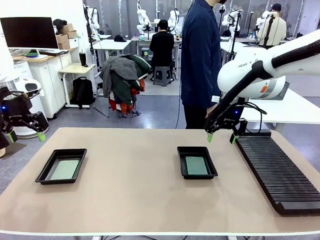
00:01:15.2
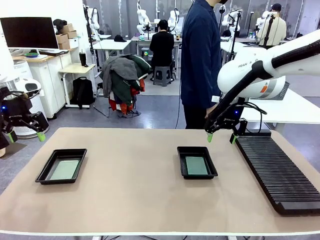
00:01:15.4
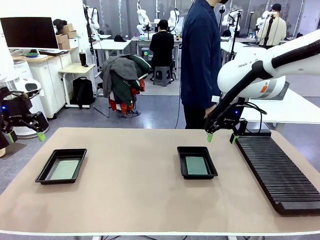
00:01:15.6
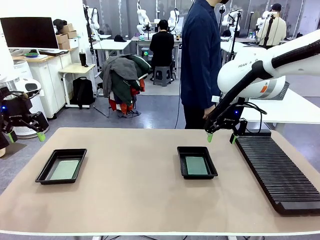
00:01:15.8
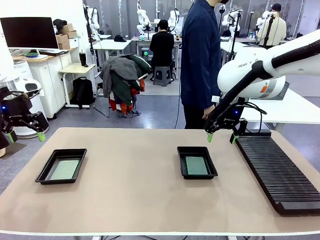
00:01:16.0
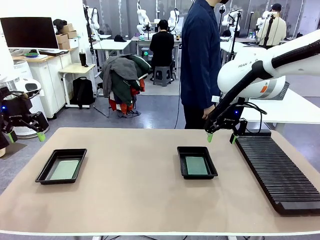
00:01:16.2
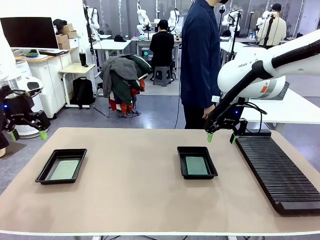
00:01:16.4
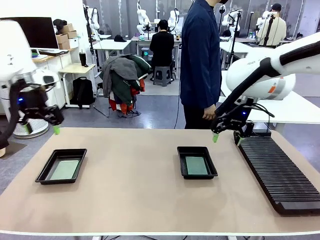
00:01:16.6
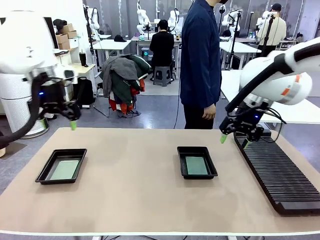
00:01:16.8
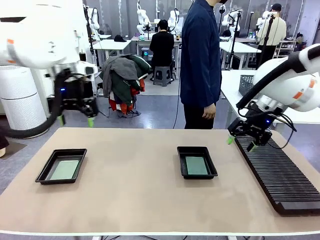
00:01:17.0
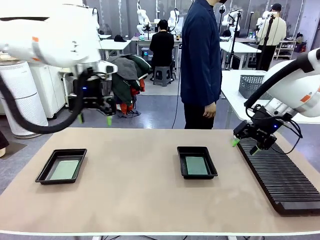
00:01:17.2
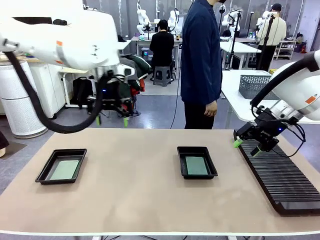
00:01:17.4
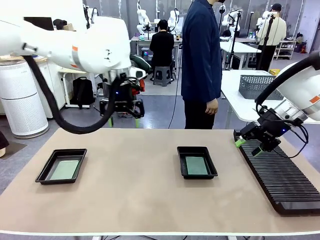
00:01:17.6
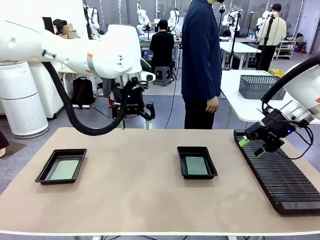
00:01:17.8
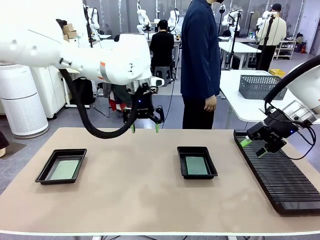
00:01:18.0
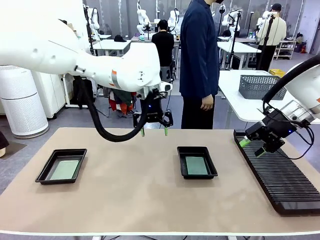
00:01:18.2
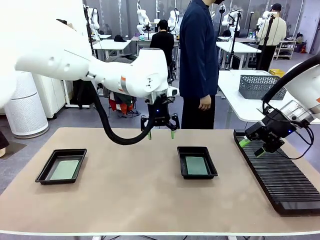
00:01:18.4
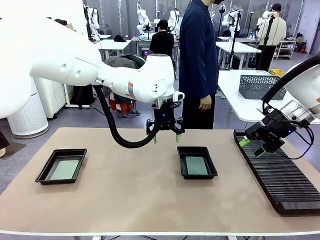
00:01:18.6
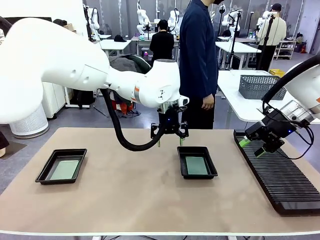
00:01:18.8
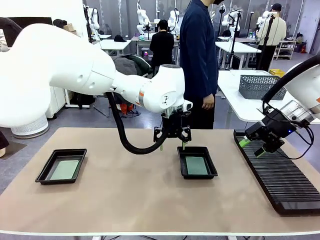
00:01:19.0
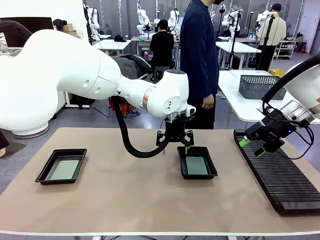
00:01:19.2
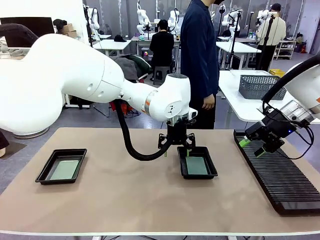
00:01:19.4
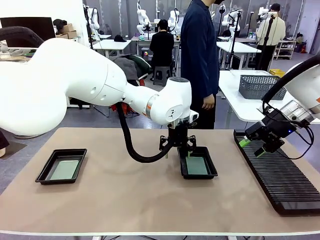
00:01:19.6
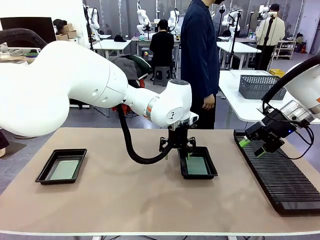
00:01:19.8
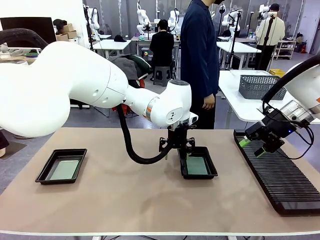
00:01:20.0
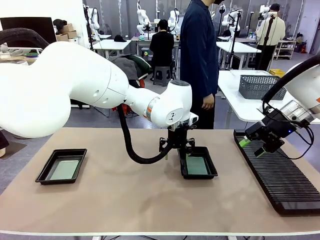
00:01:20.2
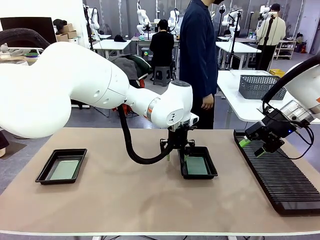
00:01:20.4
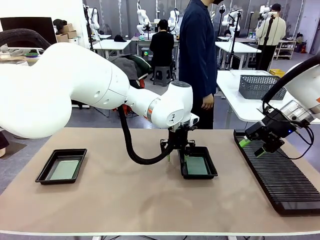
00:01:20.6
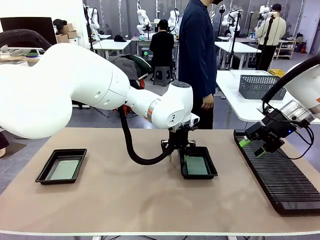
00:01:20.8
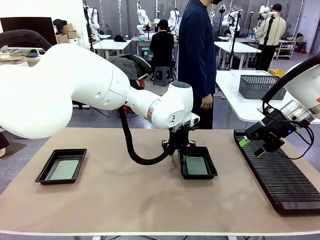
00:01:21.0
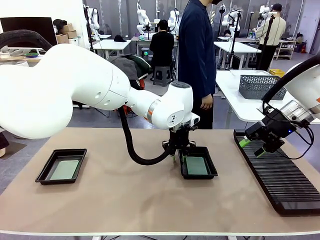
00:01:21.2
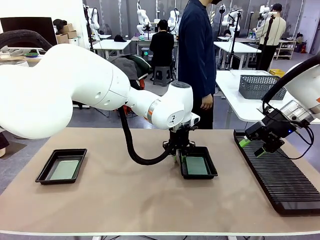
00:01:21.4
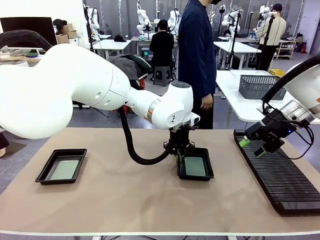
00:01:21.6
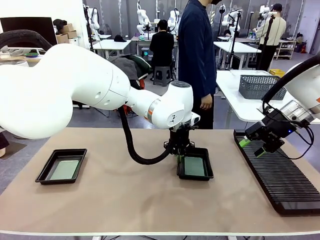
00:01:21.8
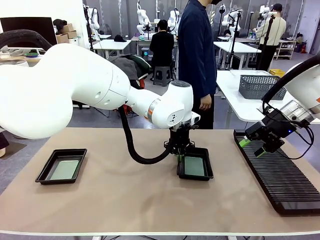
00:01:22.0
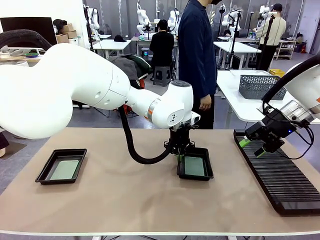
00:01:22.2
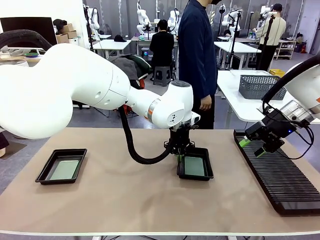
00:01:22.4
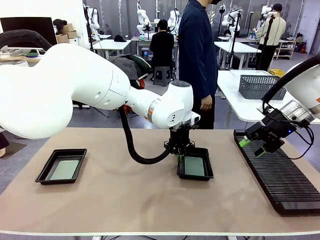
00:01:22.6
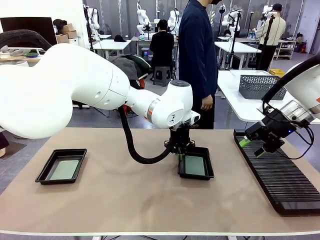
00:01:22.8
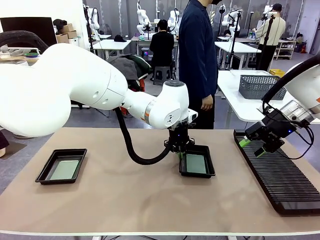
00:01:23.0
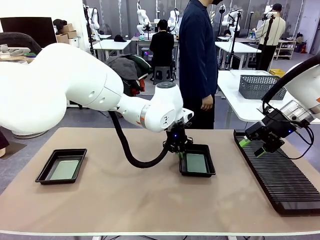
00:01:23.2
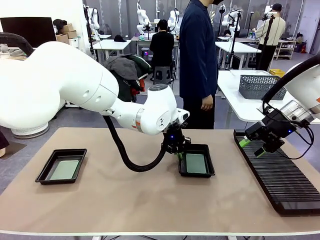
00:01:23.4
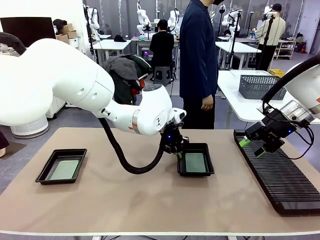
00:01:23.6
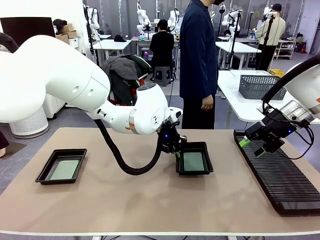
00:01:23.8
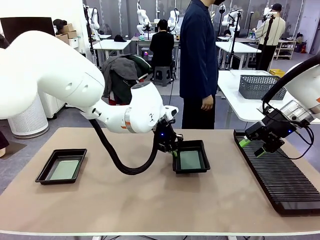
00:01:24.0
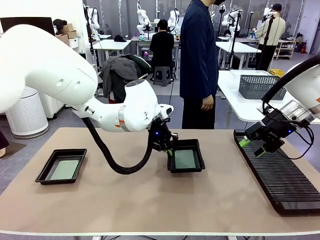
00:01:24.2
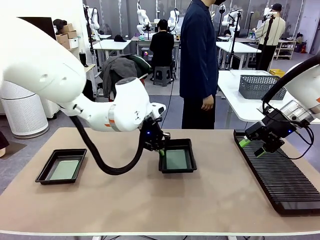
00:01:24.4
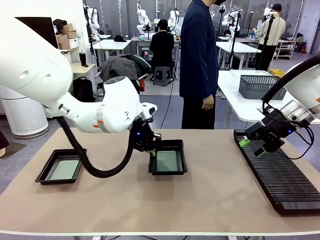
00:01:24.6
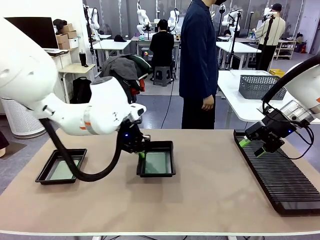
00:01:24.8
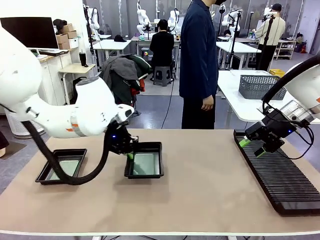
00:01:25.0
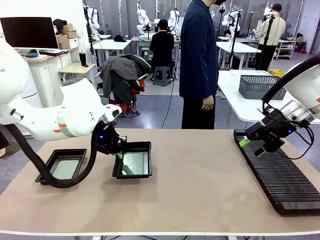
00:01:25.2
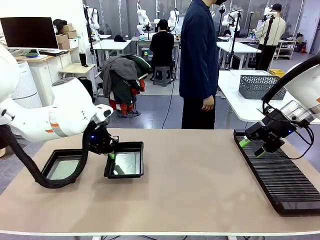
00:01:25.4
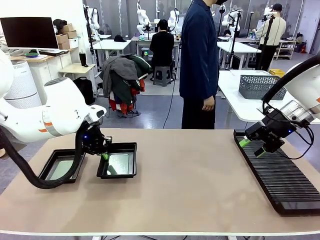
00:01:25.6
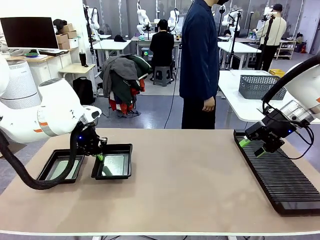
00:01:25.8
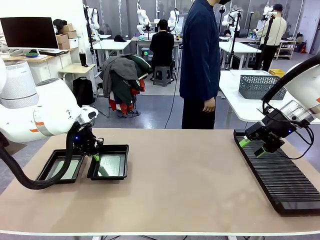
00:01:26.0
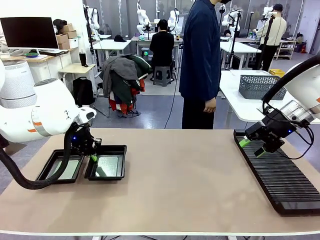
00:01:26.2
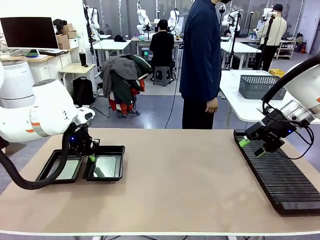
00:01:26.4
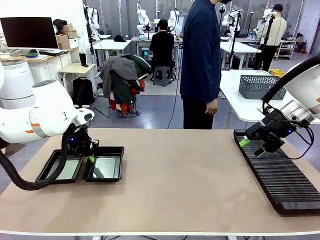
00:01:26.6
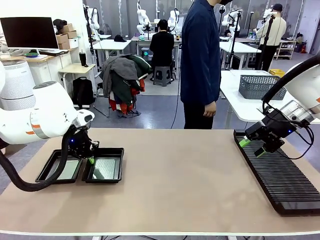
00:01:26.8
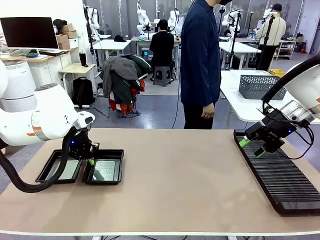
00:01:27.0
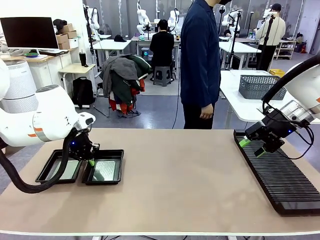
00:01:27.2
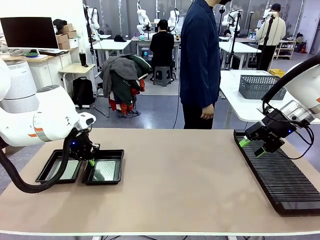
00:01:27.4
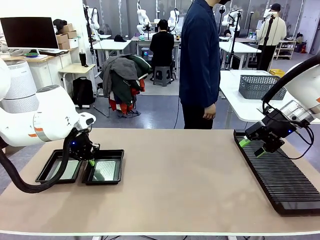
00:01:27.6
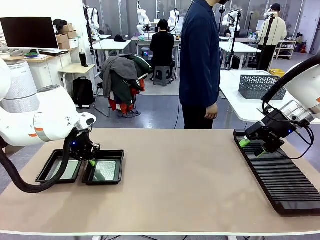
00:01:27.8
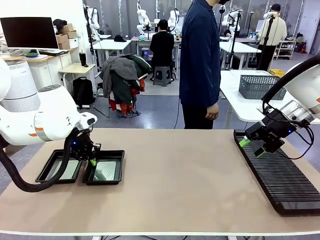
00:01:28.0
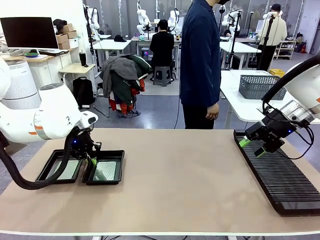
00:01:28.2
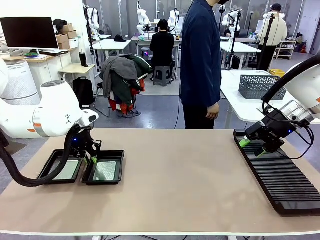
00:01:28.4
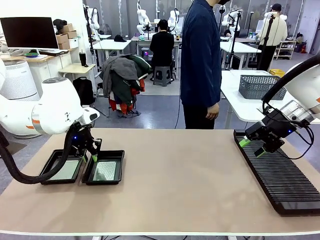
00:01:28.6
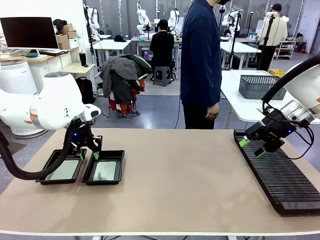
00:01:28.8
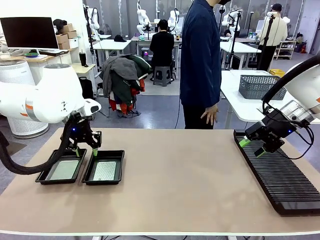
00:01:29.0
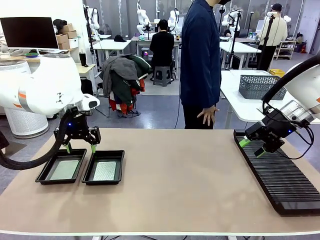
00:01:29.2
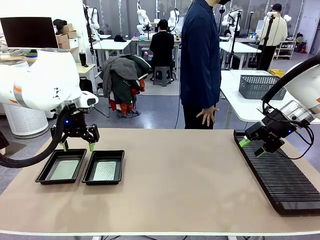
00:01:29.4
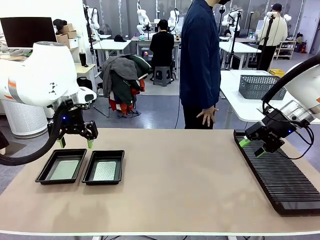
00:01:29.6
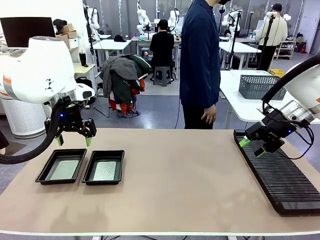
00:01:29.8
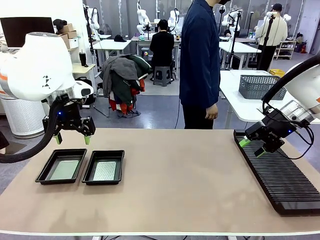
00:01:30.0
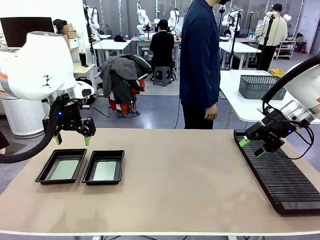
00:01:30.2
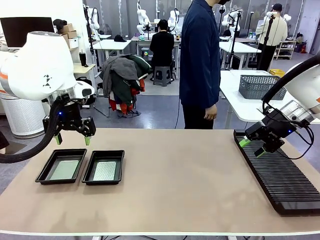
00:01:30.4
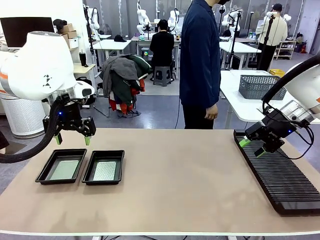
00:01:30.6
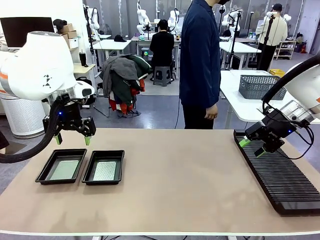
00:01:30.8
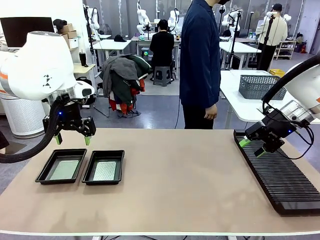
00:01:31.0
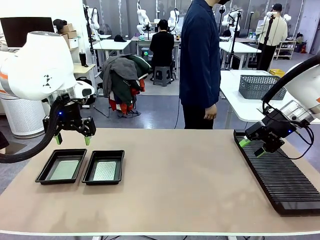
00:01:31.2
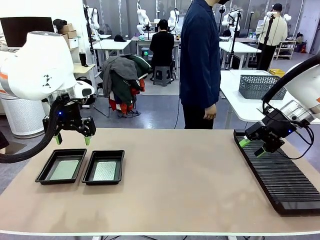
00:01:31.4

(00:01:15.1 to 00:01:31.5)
Task: Inspect and transfer BCBs to ESD trays.
Robot: Pick up the ESD tray and place it on the left side of the table.
